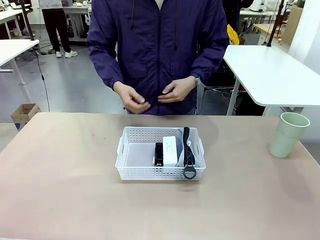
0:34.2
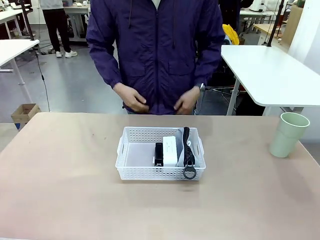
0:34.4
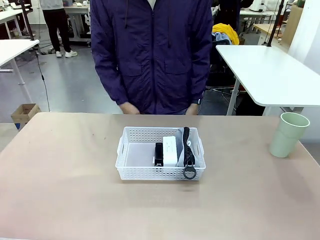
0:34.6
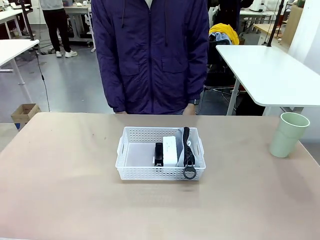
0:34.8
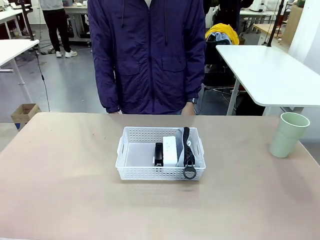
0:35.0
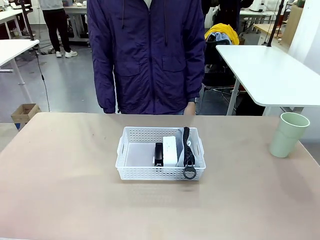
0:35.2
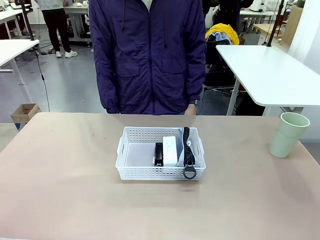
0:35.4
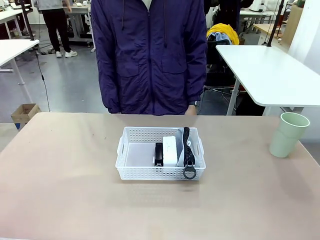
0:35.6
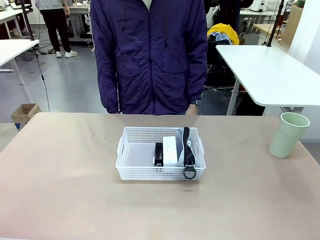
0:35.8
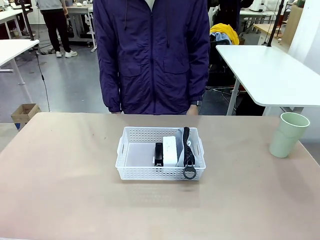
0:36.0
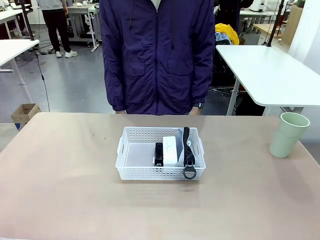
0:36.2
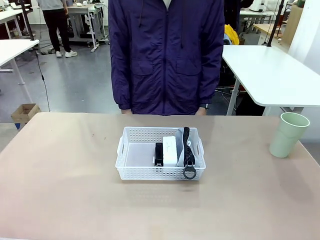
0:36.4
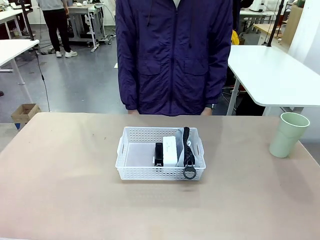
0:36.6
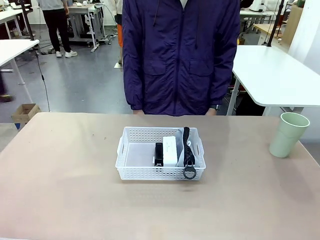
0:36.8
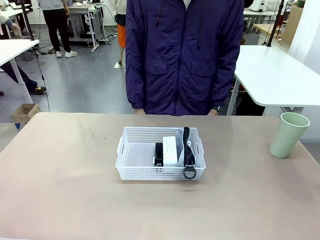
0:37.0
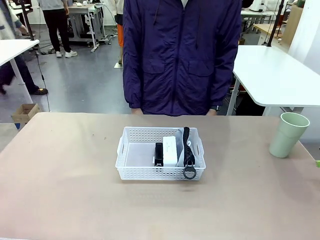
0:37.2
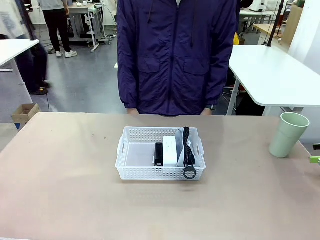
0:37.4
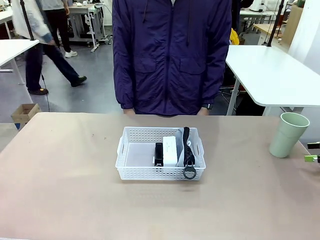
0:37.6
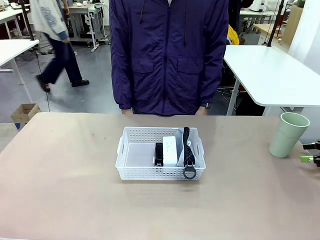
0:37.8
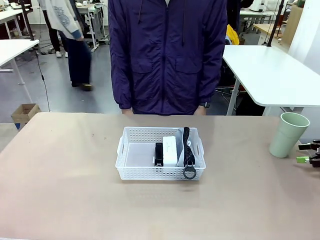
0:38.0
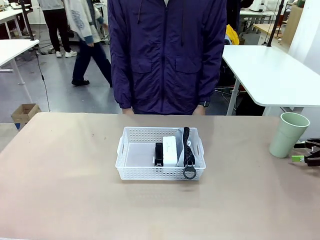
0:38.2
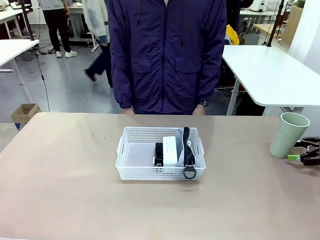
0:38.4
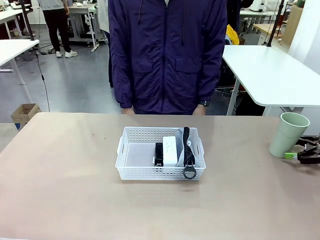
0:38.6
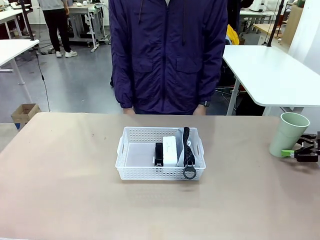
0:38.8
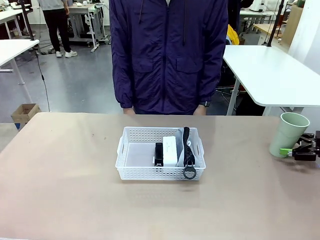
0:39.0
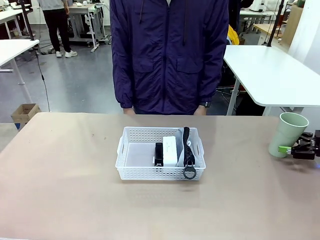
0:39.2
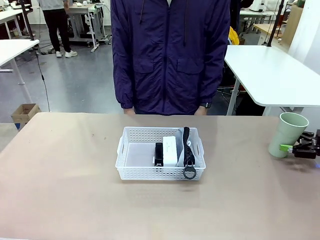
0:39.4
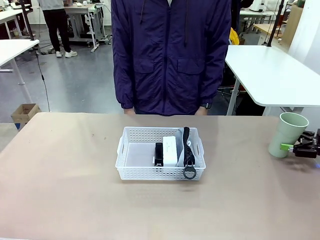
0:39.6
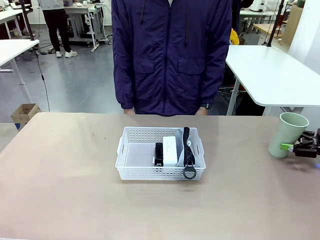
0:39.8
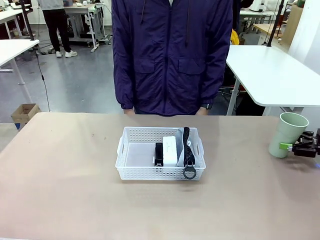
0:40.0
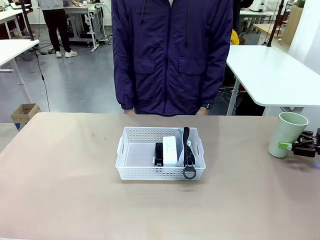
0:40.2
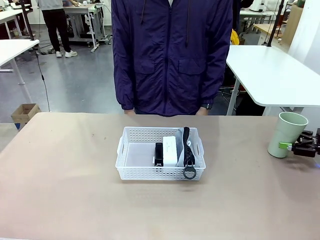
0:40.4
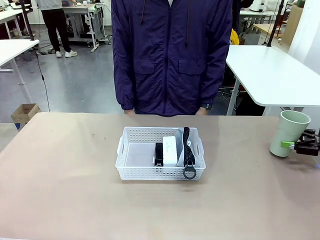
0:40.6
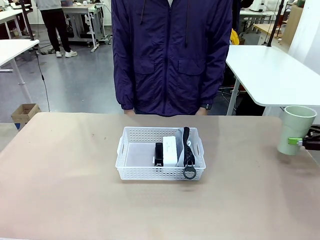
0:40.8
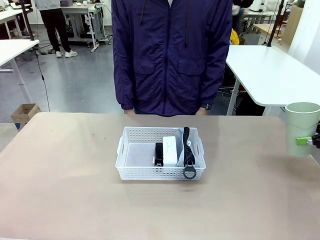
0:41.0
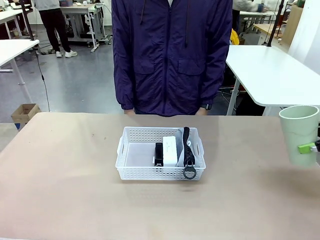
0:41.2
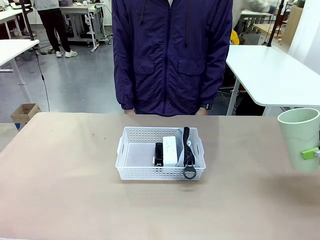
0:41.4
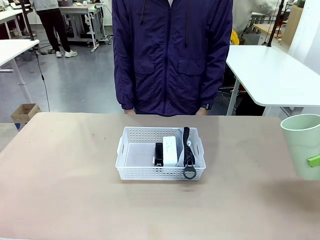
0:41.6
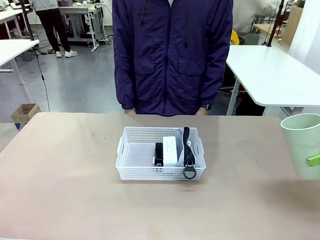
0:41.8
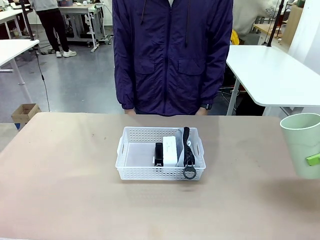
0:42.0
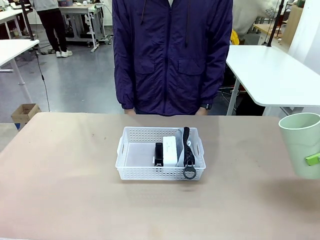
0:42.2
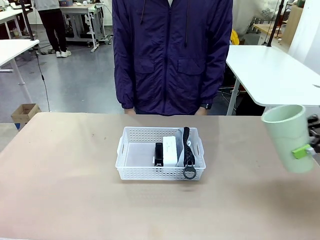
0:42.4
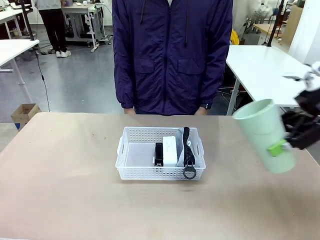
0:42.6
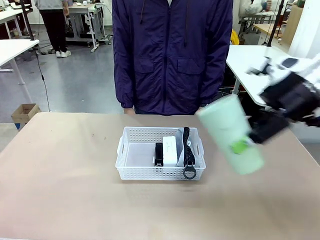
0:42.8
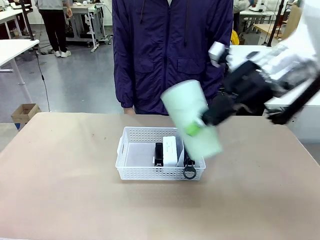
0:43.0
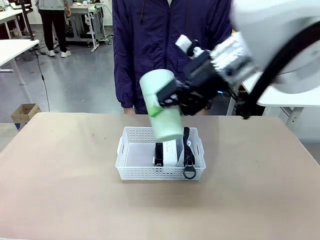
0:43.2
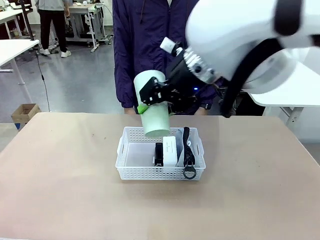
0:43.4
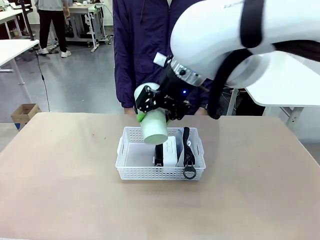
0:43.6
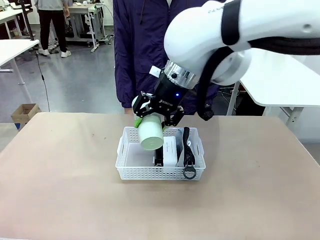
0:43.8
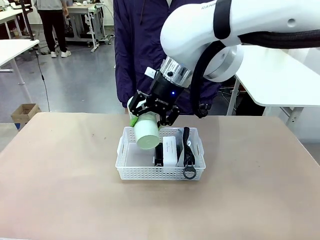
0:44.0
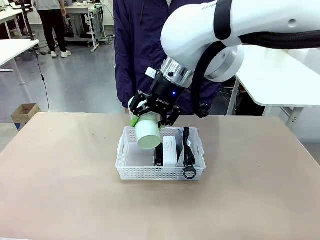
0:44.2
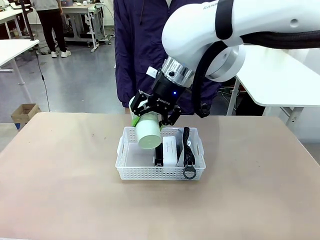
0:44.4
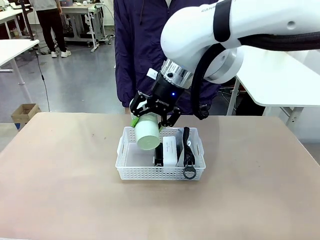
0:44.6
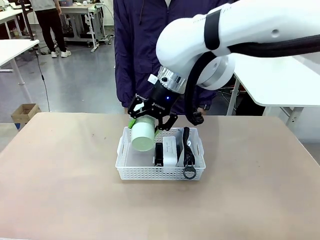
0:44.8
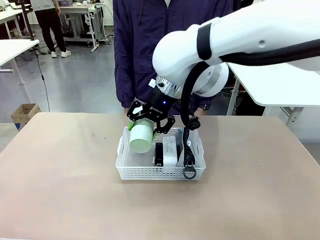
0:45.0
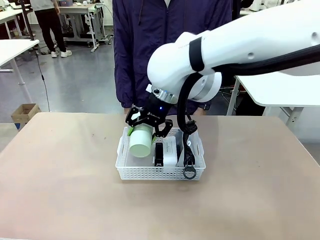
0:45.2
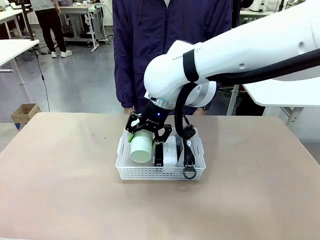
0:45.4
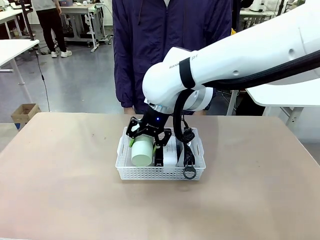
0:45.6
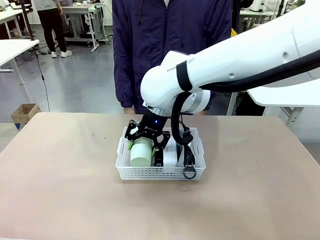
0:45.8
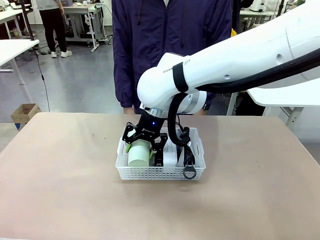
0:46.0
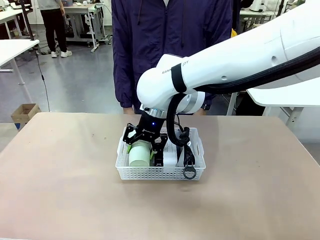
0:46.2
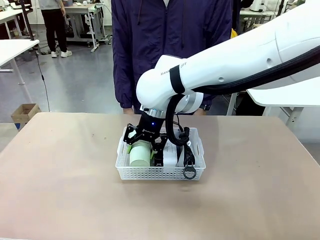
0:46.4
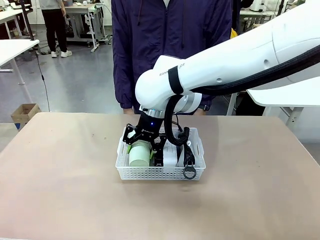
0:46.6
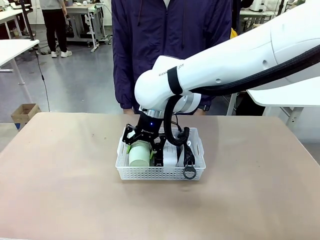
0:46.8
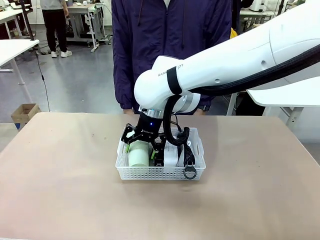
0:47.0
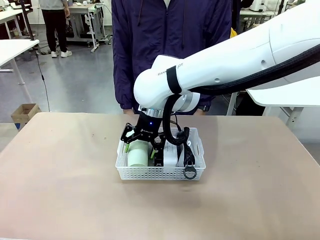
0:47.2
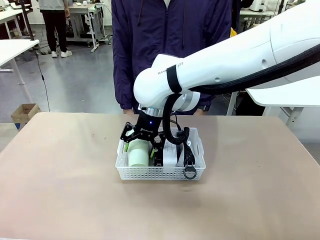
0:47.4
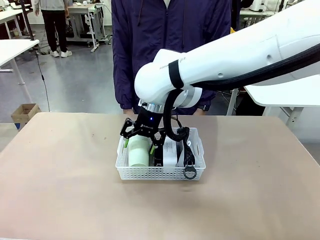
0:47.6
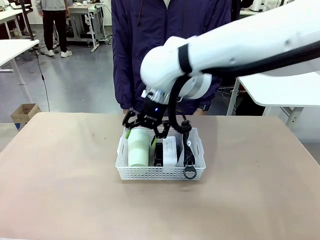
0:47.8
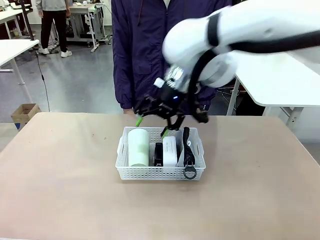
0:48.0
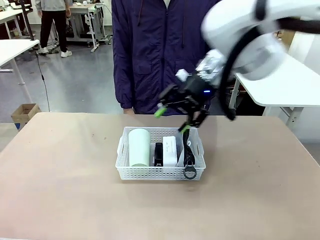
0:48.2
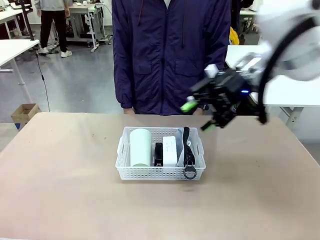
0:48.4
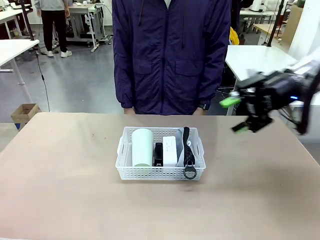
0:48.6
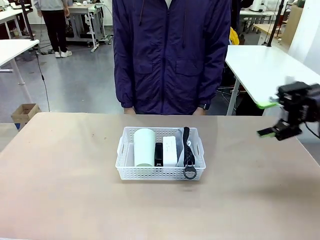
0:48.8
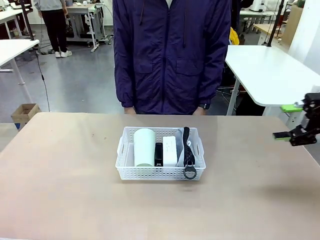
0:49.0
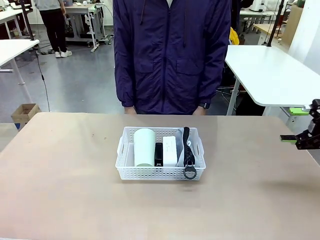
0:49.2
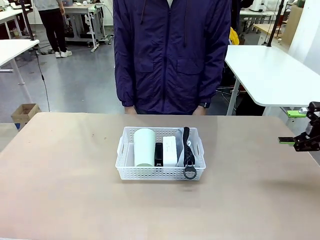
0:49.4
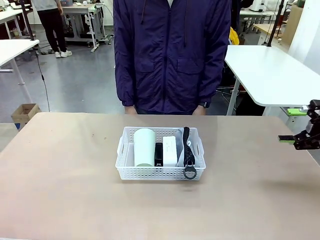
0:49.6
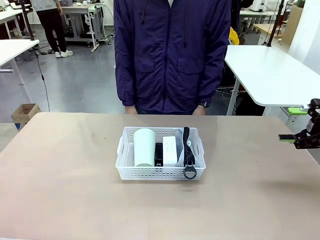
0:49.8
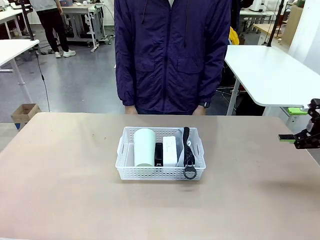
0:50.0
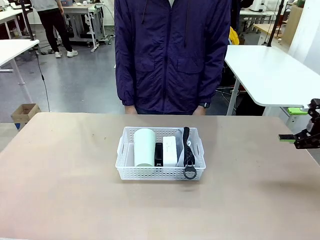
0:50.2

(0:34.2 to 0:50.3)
Task: Efficiently arrange items inside the basket to fit them all.
Robot: Pick up the Reusable plastic cup and place it inside the Organizing basket.
Person: Repositions the stapler.

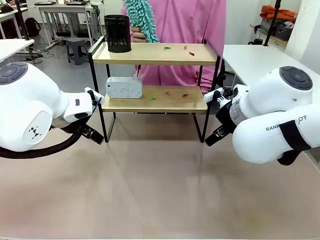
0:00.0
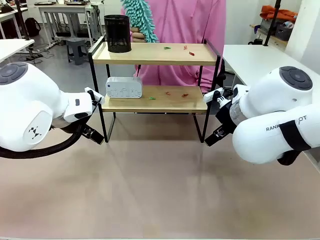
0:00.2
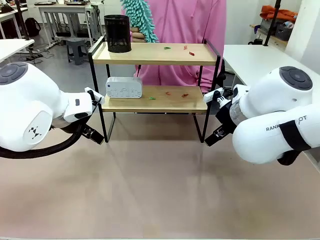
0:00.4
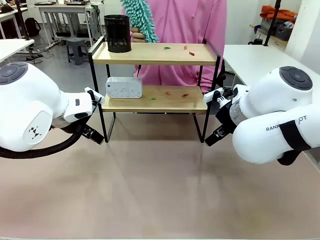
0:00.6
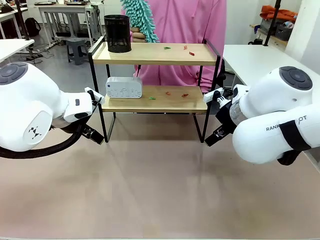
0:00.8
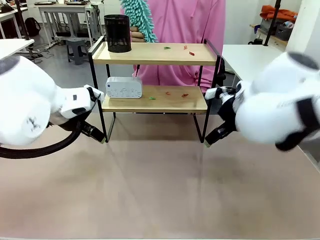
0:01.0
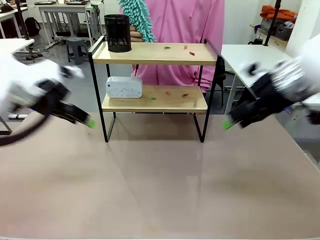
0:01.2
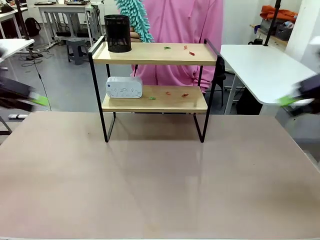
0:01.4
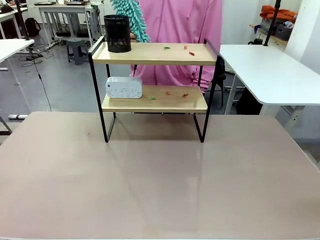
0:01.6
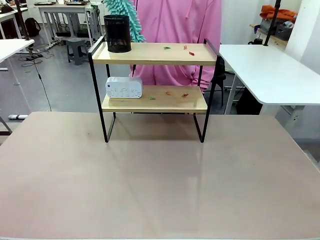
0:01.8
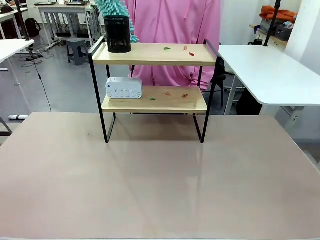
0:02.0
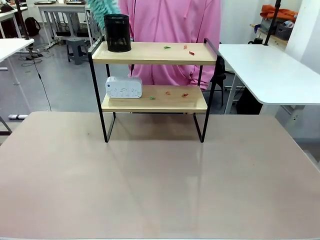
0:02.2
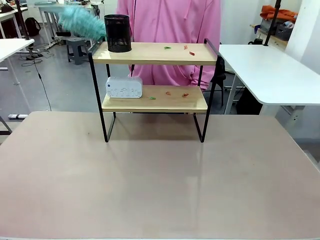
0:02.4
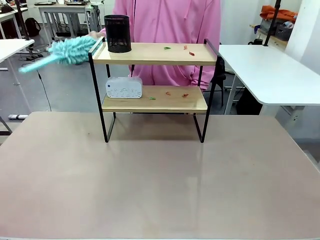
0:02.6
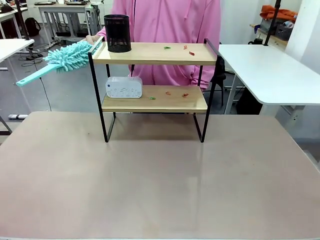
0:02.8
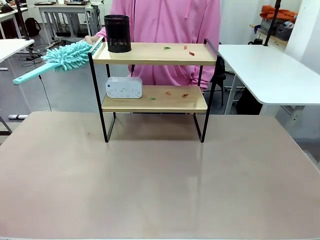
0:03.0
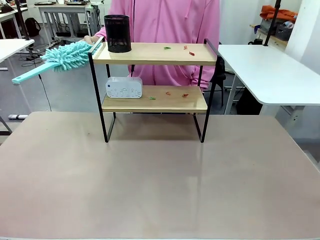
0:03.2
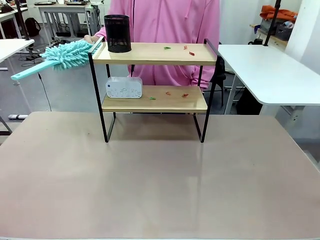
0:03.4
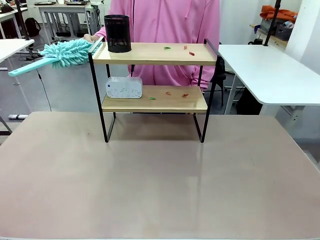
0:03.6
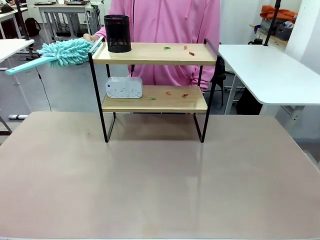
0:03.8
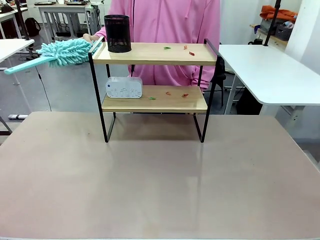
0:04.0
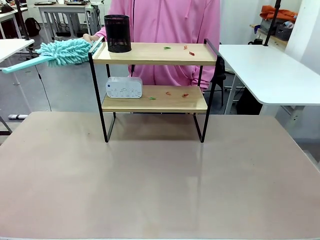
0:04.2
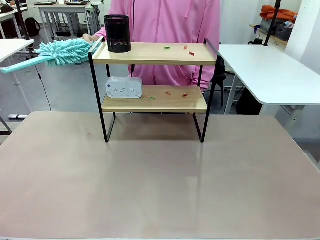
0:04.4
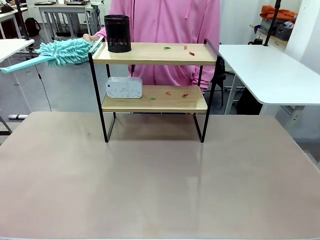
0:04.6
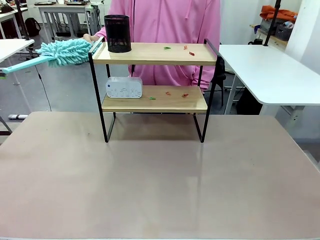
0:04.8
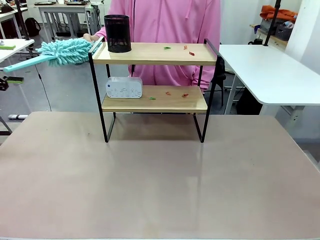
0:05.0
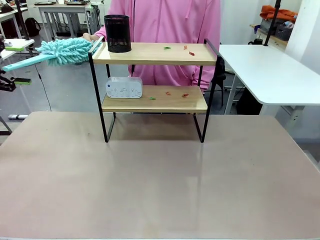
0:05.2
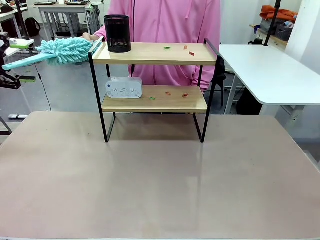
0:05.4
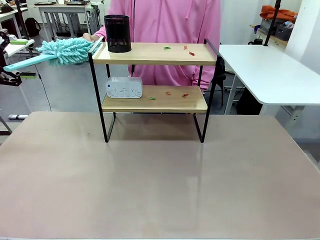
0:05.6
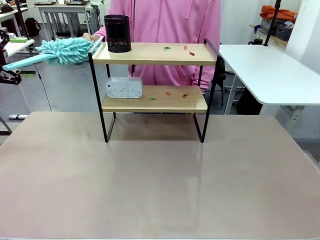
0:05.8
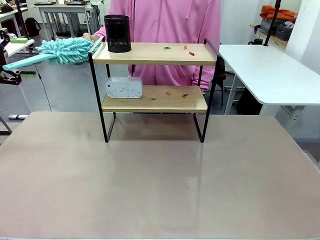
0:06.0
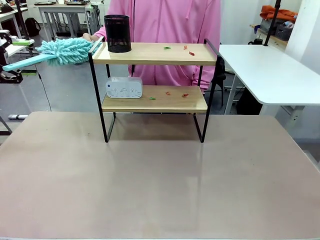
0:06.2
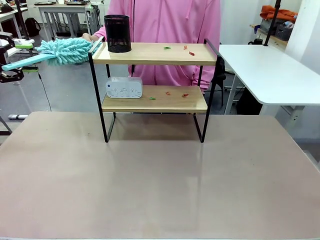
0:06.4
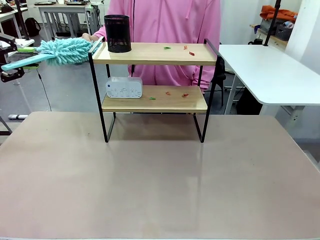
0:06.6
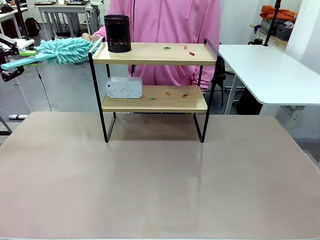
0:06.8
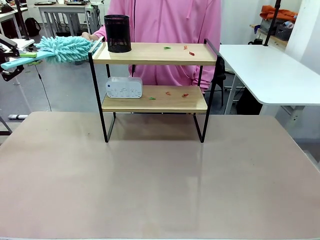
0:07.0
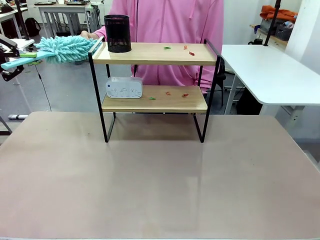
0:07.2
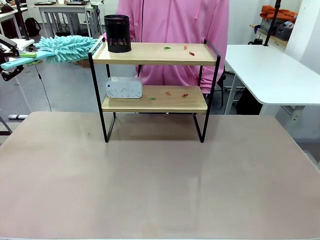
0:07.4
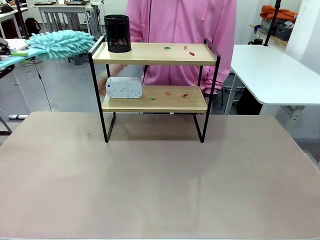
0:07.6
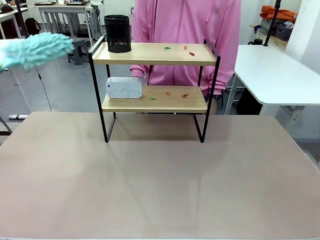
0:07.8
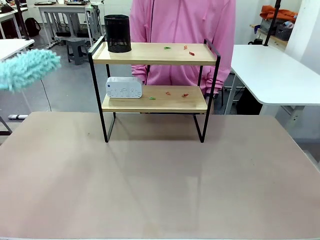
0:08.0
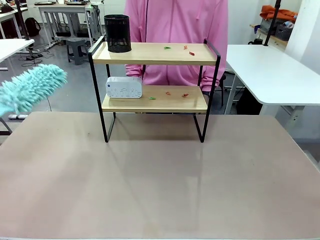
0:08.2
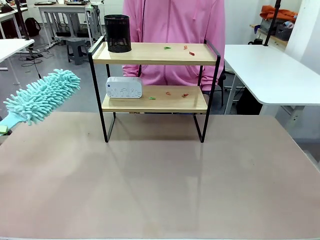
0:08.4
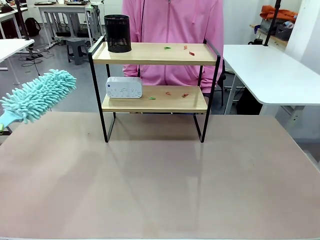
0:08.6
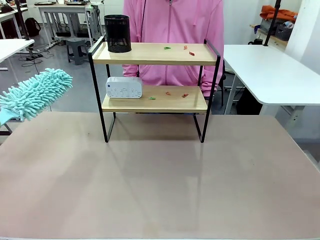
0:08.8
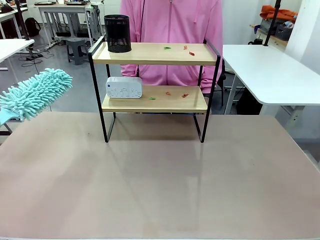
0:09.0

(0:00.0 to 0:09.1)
Task: Clean the shelf.
Robot: Pick up the Duster from the human.
Person: Hand the Duster to the robot.
